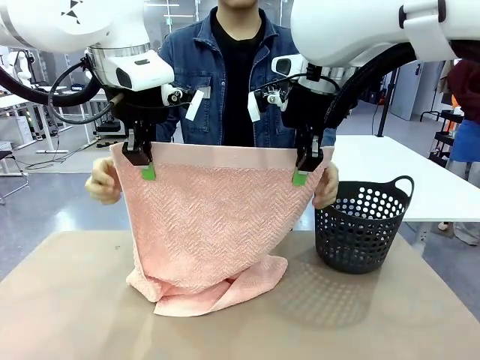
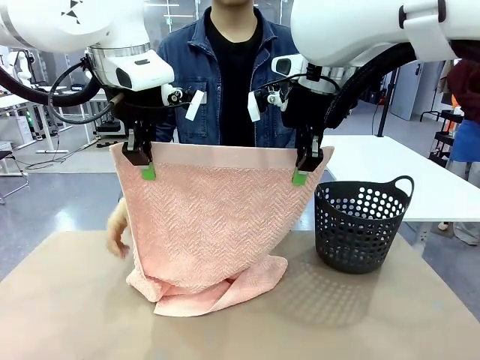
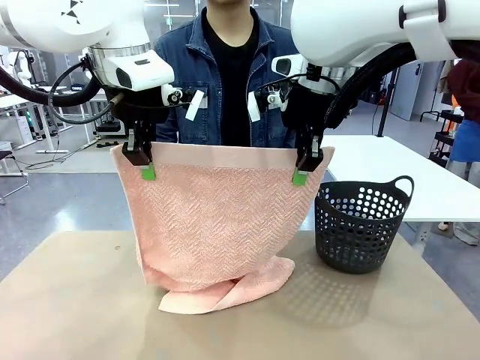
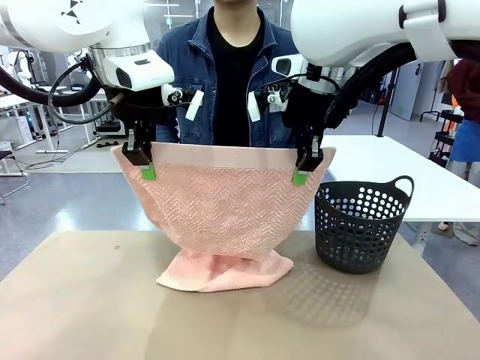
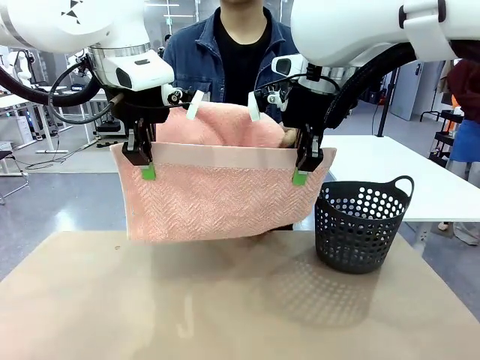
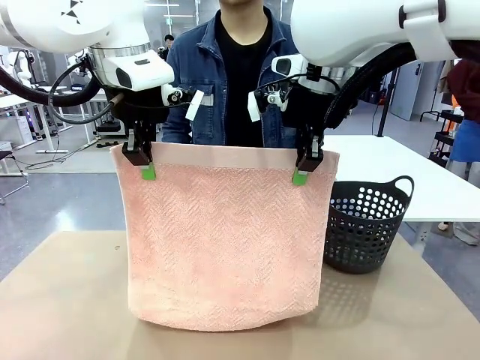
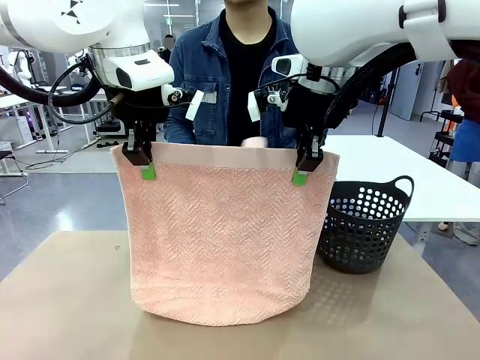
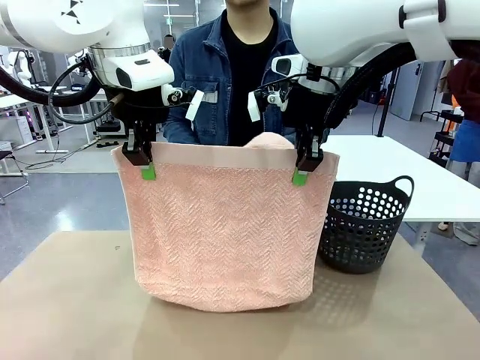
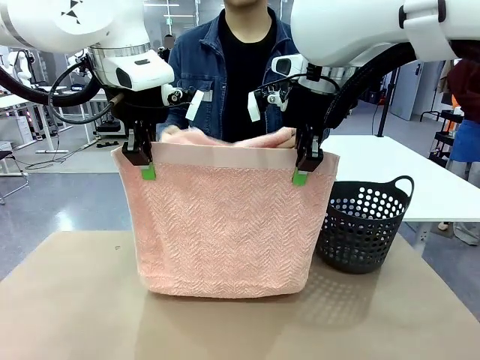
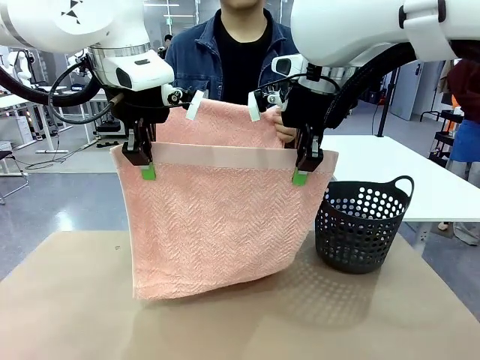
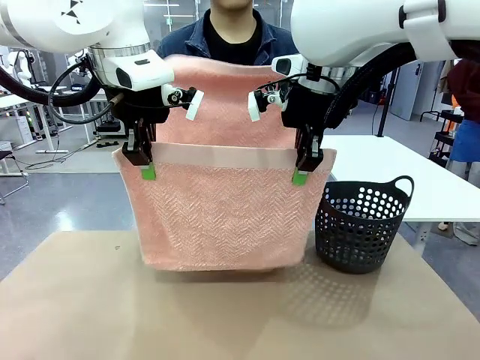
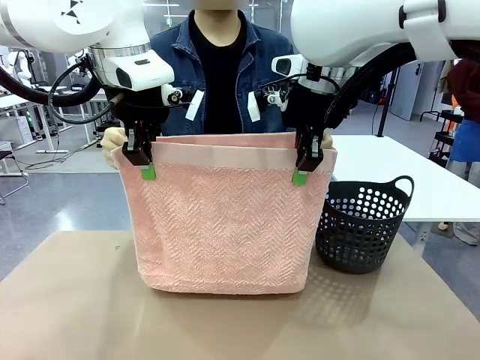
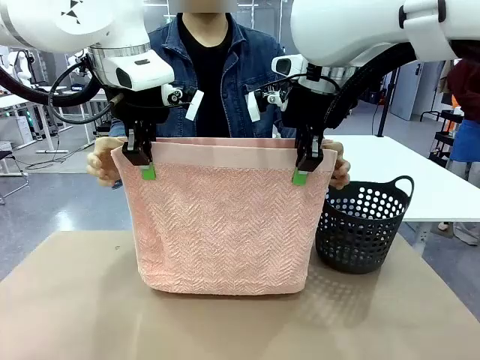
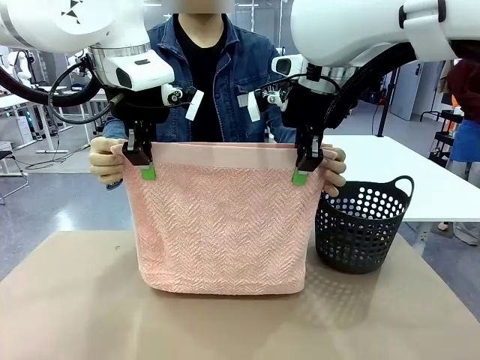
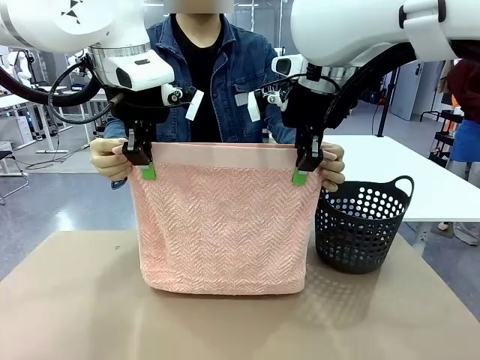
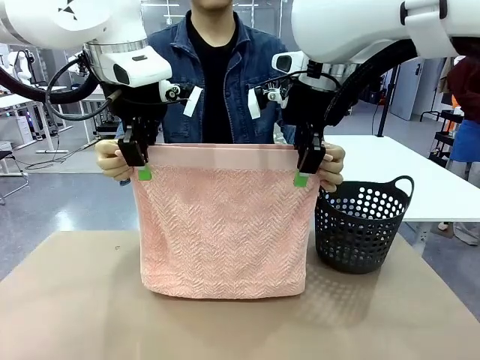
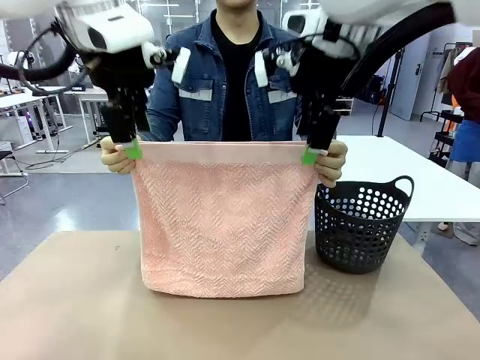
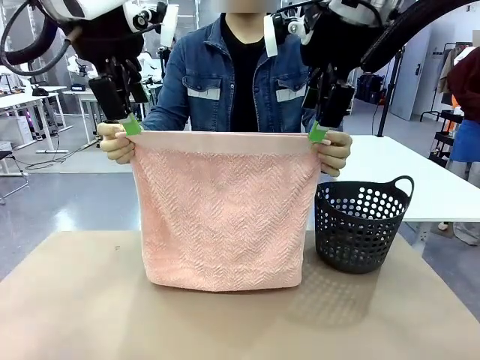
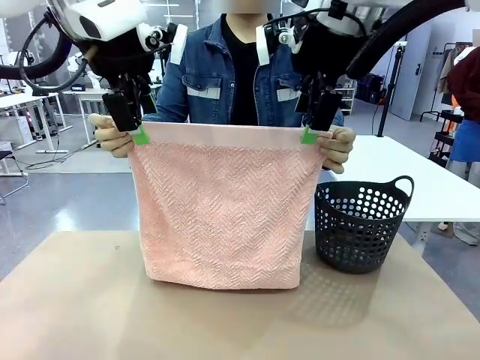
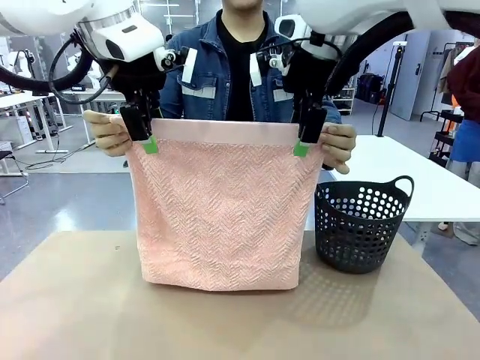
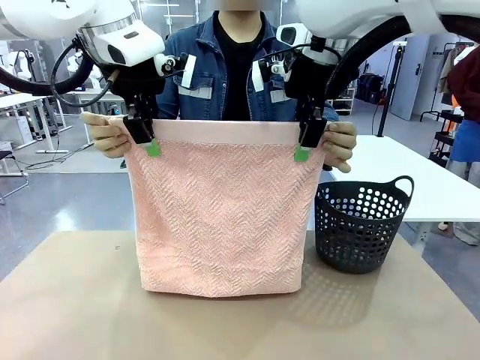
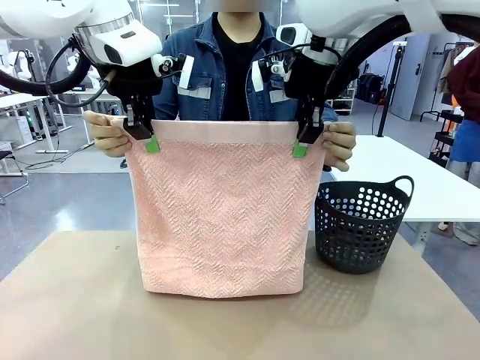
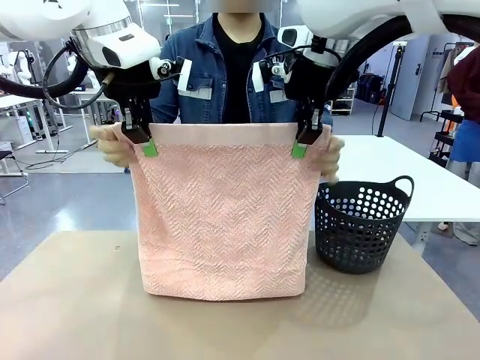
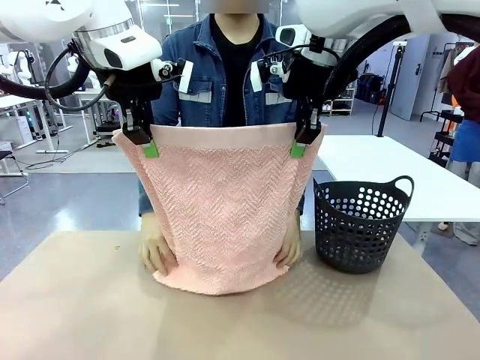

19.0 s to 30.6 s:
Task: Fold the towel.
Robot: Release the end of the 100 cm Hotel Towel you were holding and grab the top end of the folded side.
Person: Using the point held by the robot as a reference, grasp the opposite end, fold the towel in half, and then hold both ends of the folded towel.

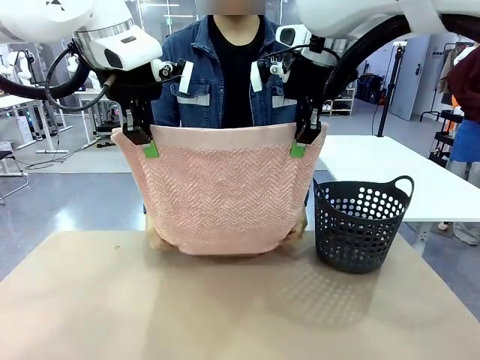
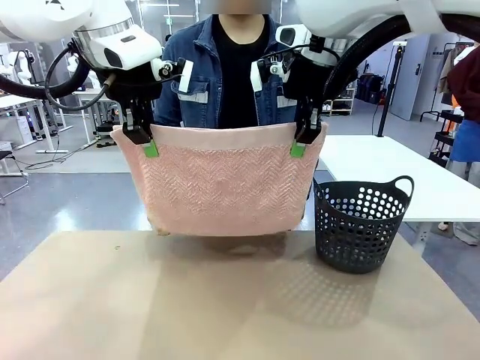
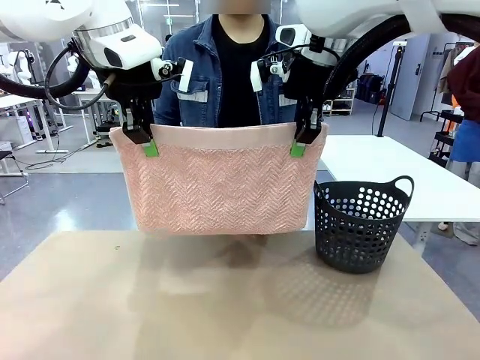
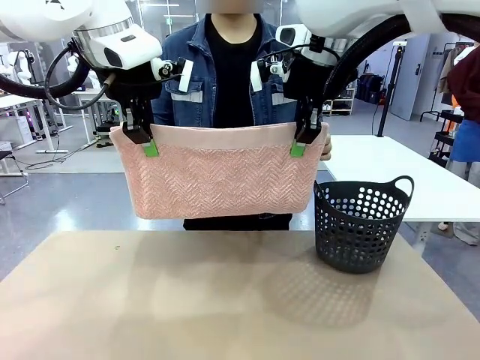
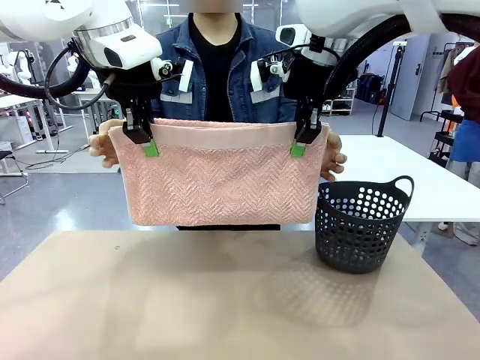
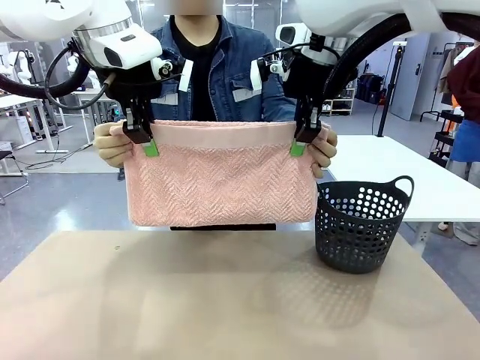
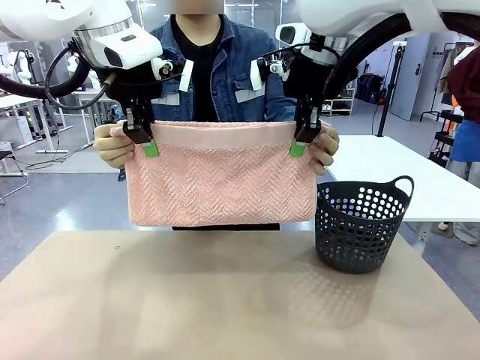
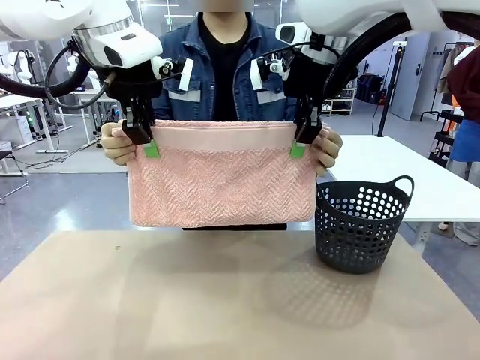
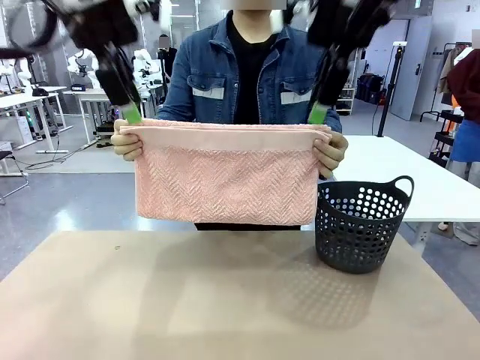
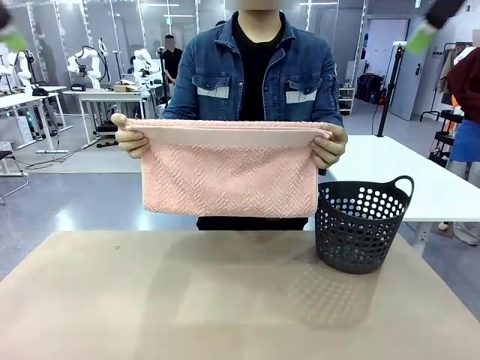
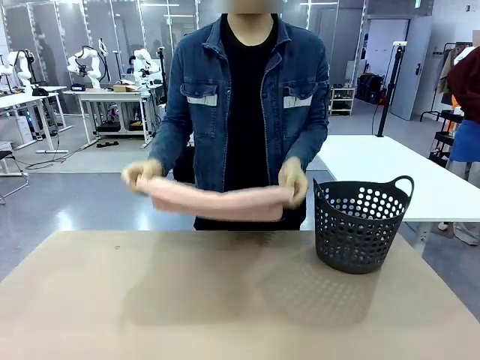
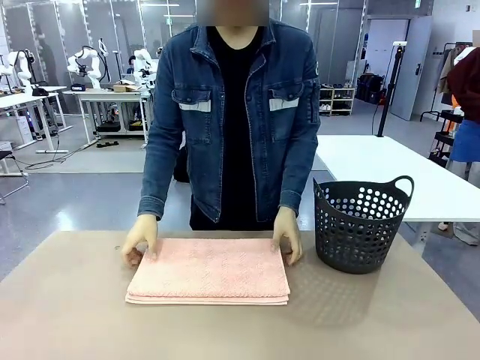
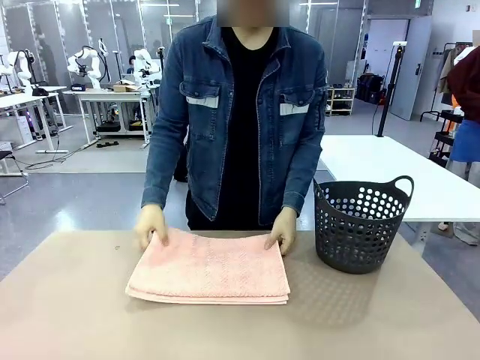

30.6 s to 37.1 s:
Robot: Release the end of the 100 cm Hotel Towel you were holding.
Person: Place the towel at the center of the robot table and fold it in half.

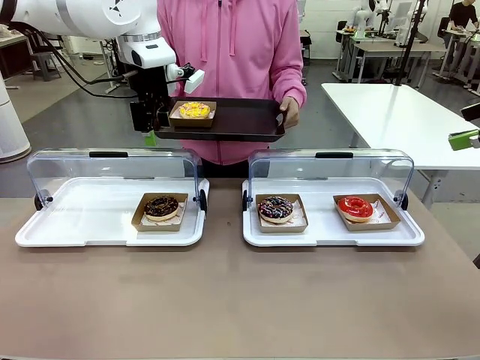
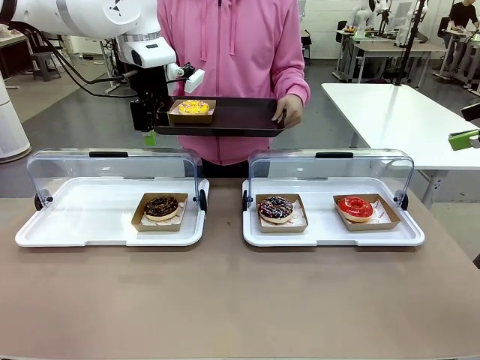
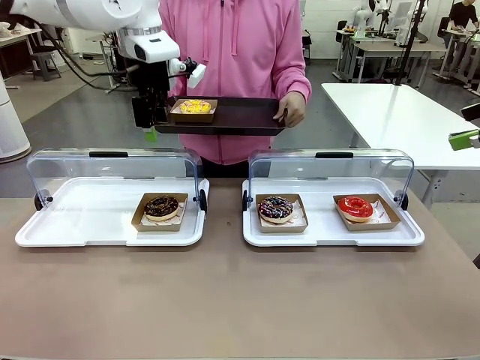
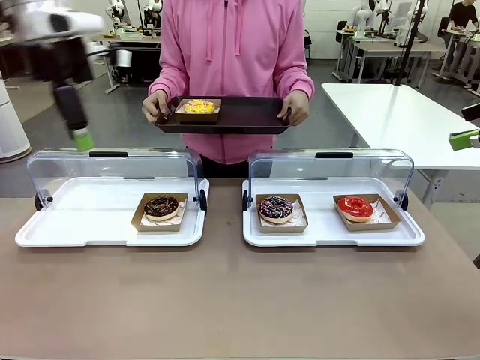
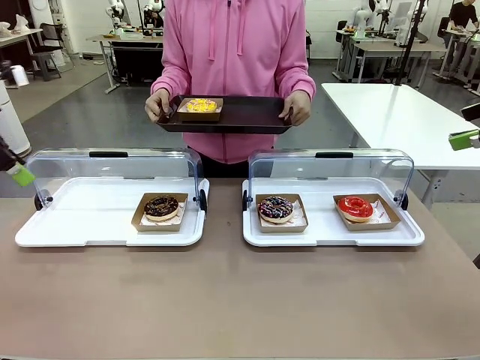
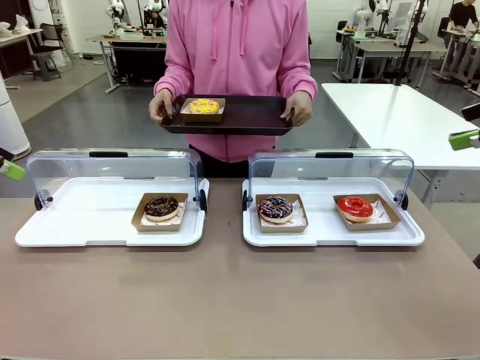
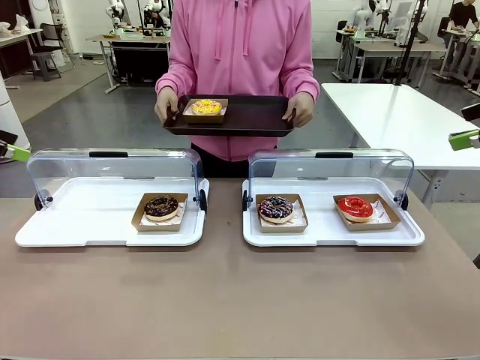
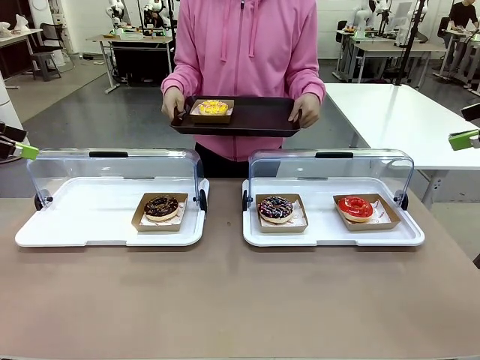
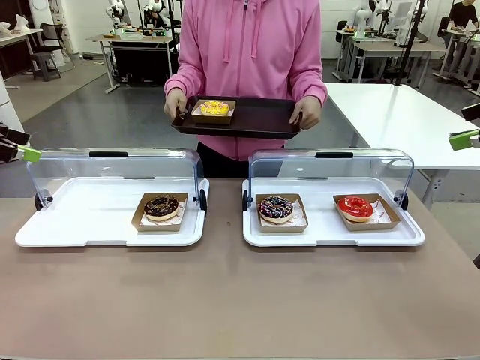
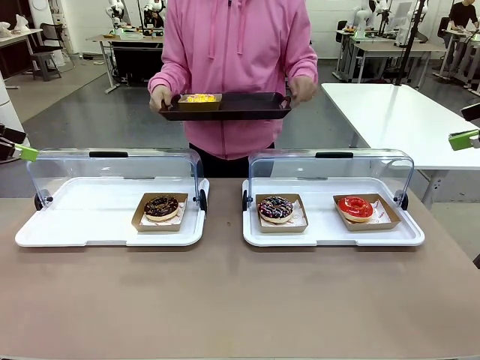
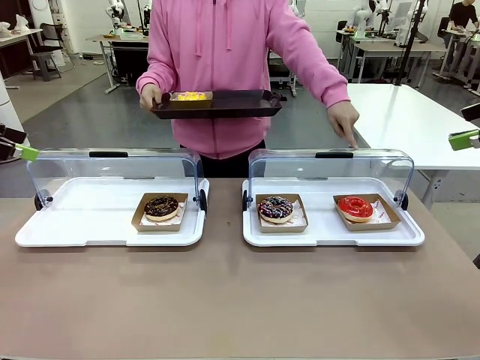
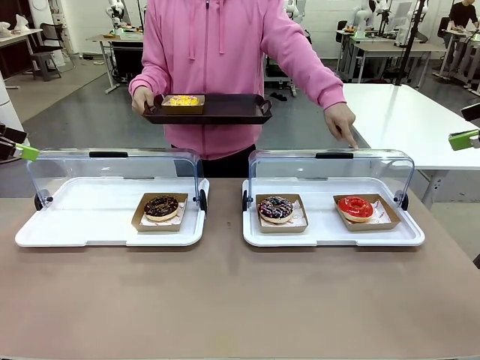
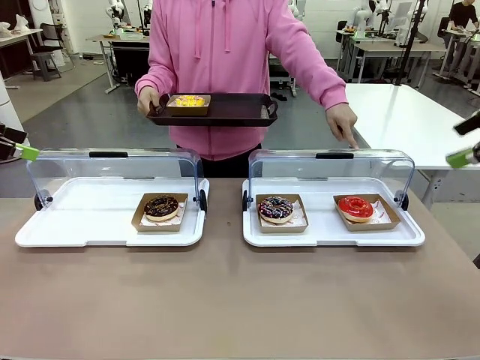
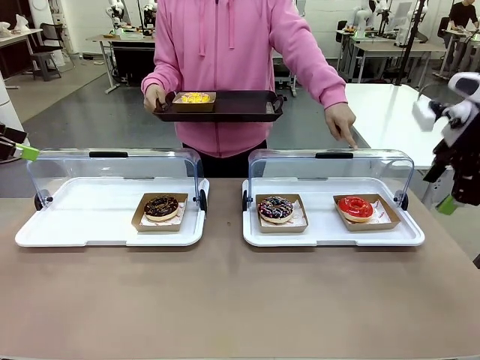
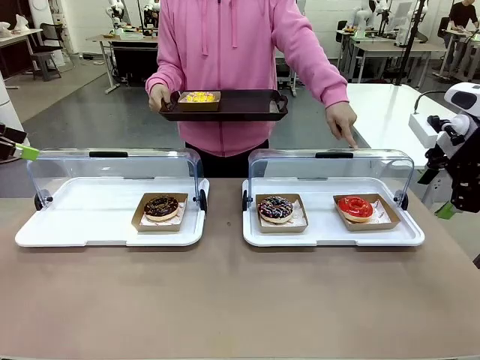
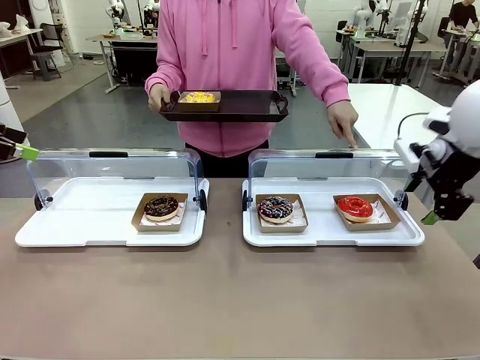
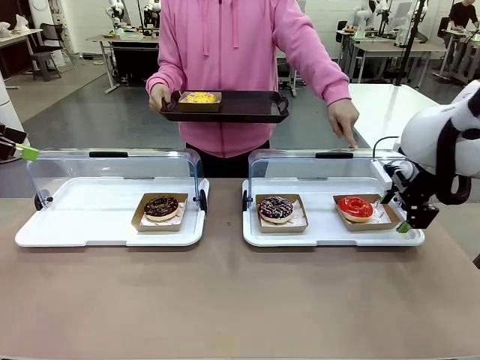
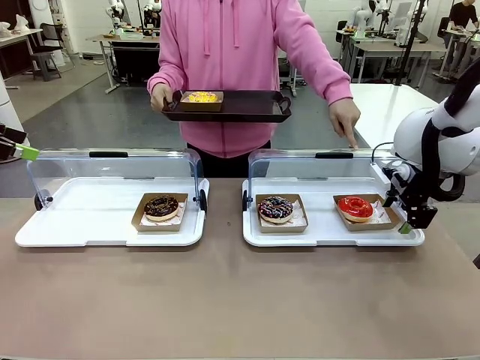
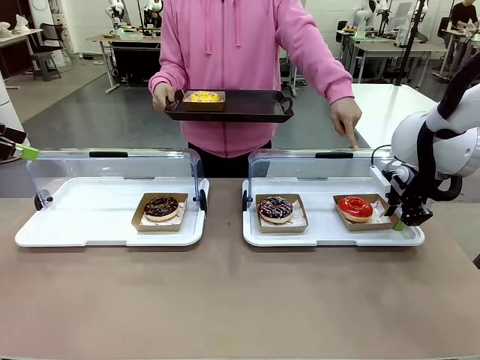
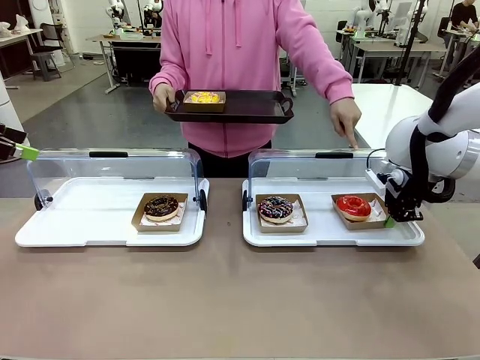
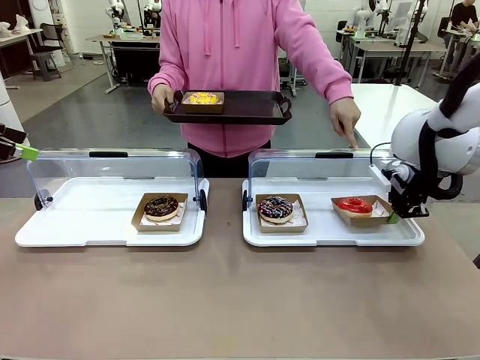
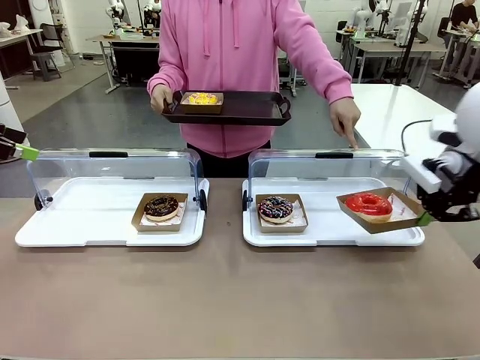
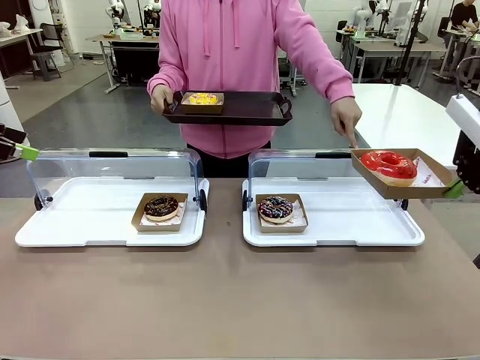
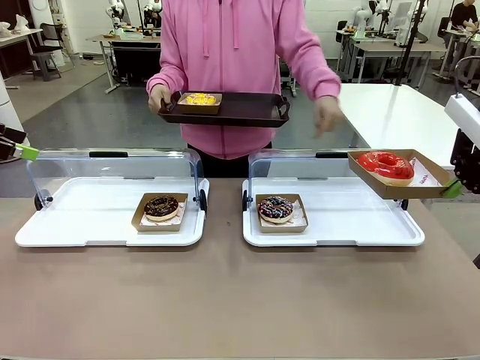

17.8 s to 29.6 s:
Task: Provide the desired donut to the person.
Robot: Pick up and lift the Paper togo box containing the Donut pointed at by the person.
Person: Point to one donut. Lift the tray onto the Roll-Top Bakery Case.
